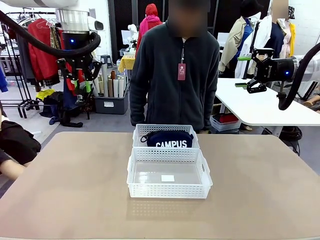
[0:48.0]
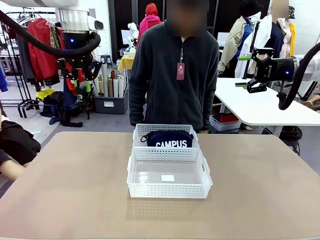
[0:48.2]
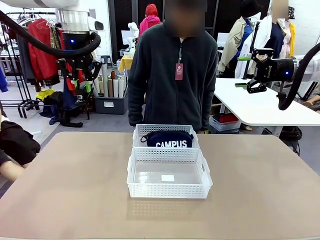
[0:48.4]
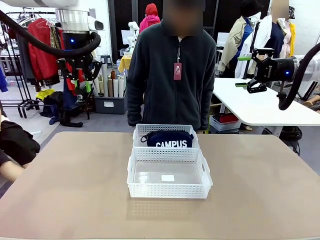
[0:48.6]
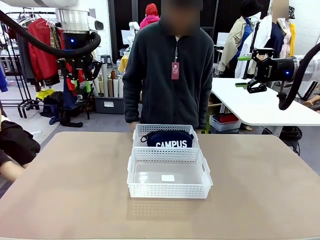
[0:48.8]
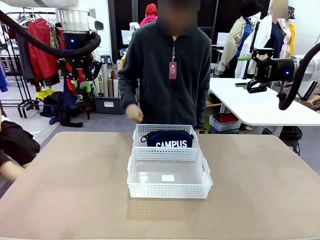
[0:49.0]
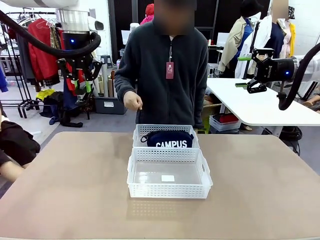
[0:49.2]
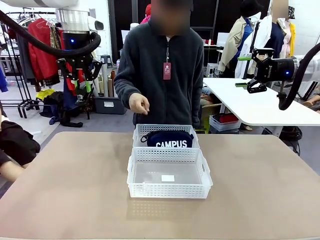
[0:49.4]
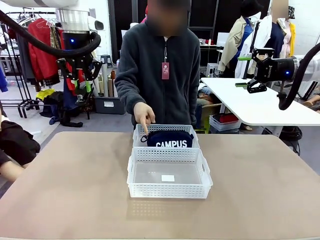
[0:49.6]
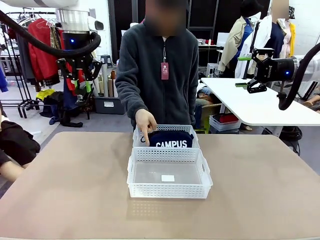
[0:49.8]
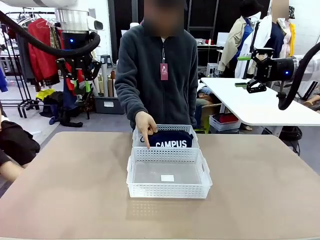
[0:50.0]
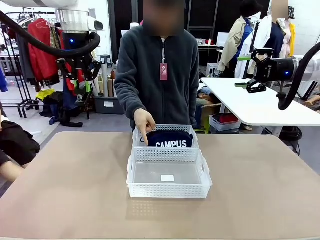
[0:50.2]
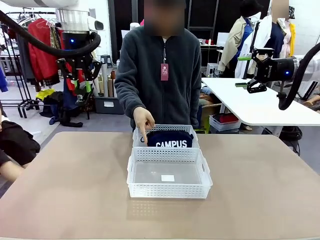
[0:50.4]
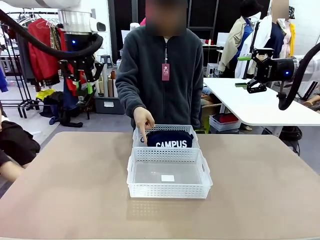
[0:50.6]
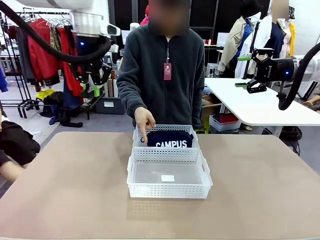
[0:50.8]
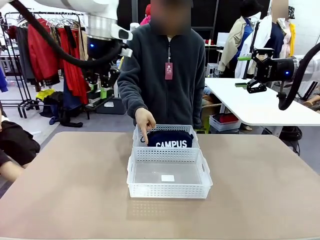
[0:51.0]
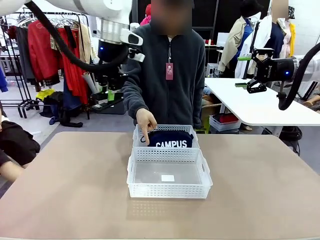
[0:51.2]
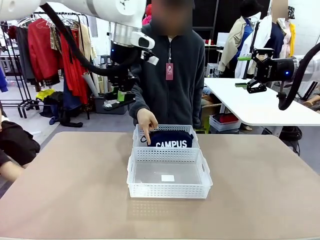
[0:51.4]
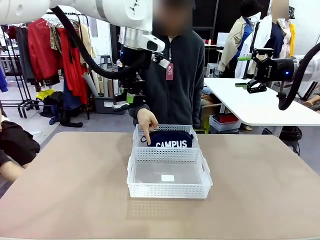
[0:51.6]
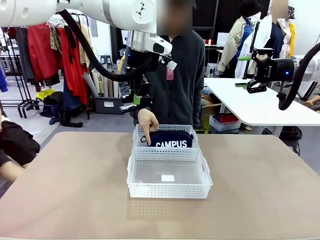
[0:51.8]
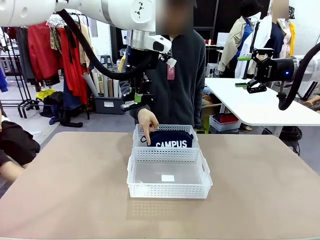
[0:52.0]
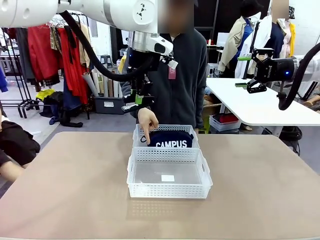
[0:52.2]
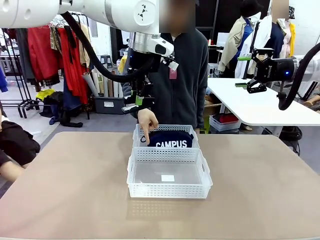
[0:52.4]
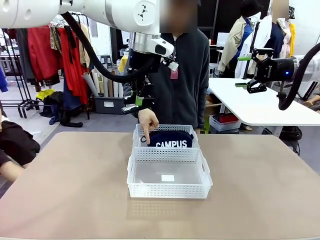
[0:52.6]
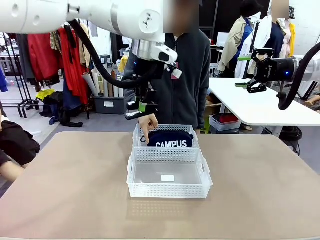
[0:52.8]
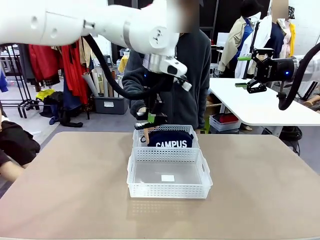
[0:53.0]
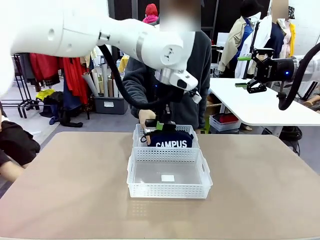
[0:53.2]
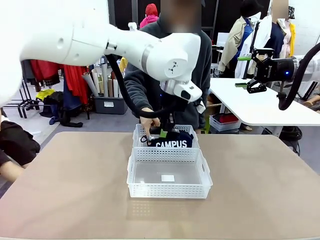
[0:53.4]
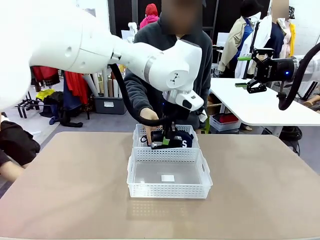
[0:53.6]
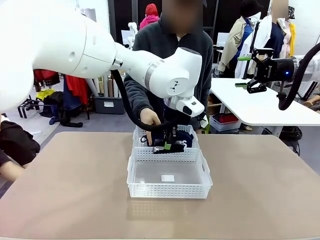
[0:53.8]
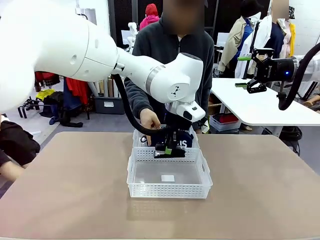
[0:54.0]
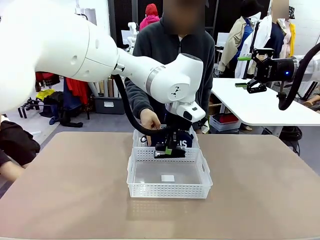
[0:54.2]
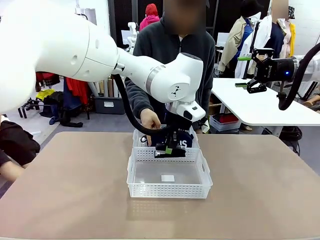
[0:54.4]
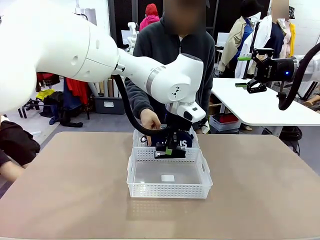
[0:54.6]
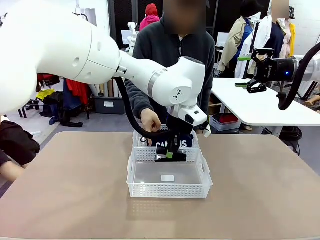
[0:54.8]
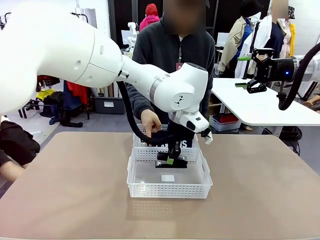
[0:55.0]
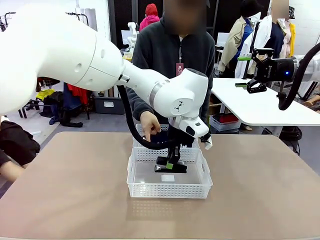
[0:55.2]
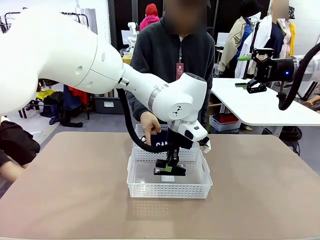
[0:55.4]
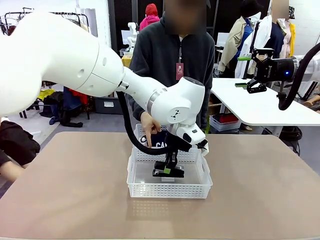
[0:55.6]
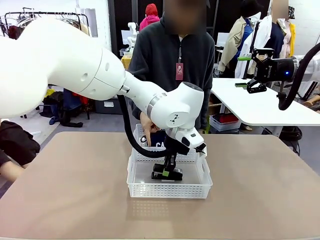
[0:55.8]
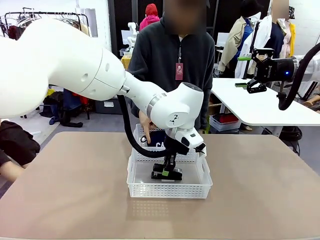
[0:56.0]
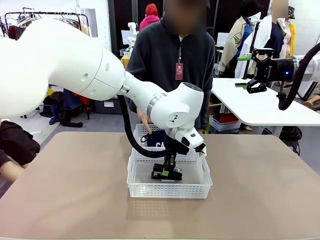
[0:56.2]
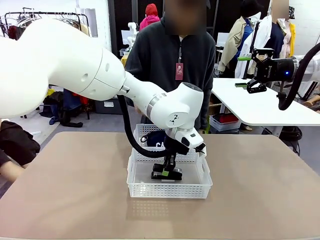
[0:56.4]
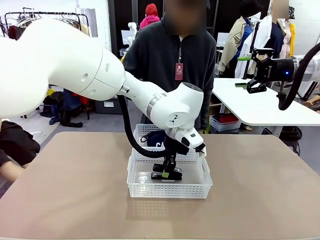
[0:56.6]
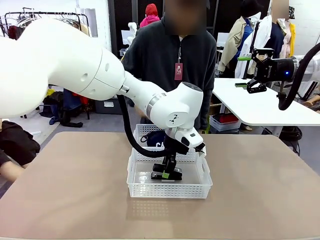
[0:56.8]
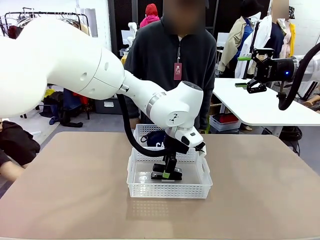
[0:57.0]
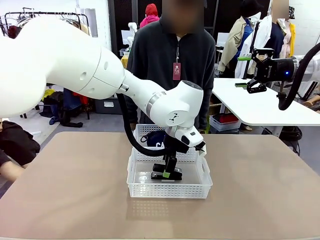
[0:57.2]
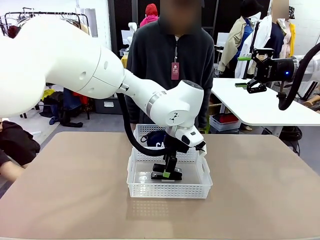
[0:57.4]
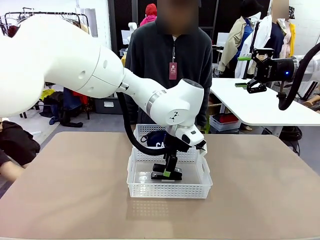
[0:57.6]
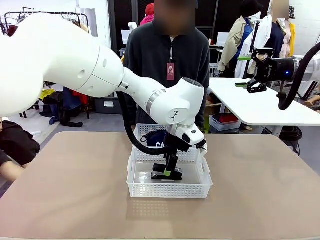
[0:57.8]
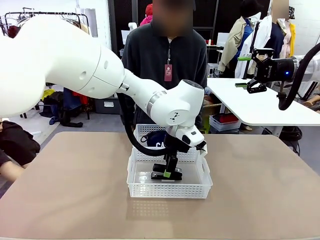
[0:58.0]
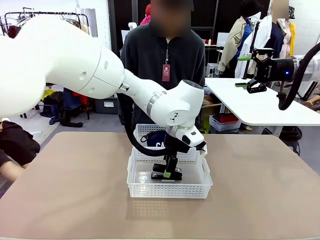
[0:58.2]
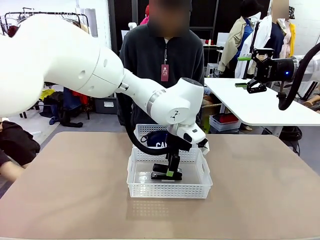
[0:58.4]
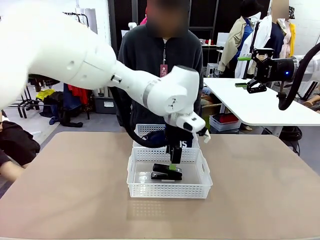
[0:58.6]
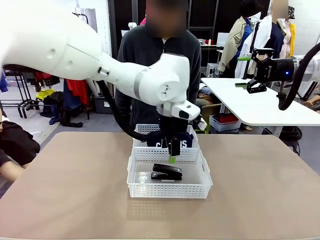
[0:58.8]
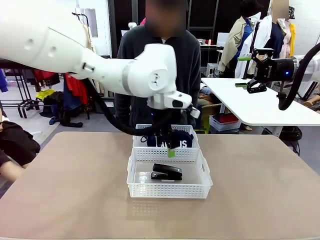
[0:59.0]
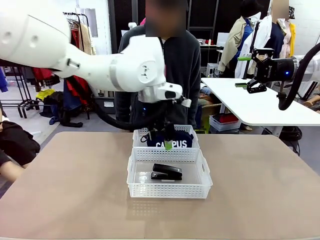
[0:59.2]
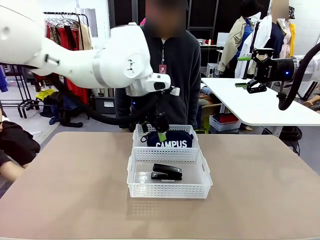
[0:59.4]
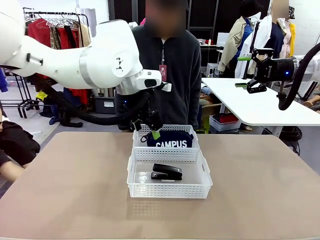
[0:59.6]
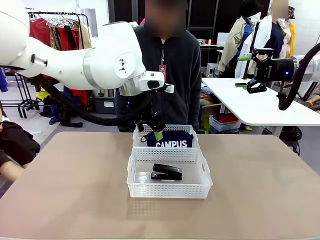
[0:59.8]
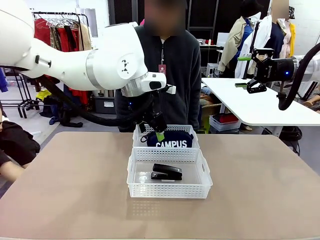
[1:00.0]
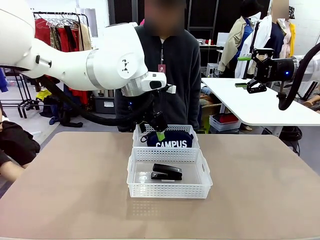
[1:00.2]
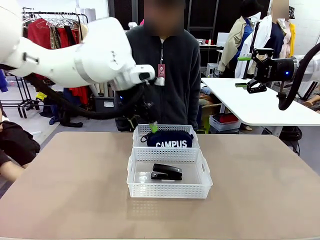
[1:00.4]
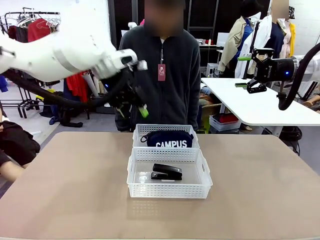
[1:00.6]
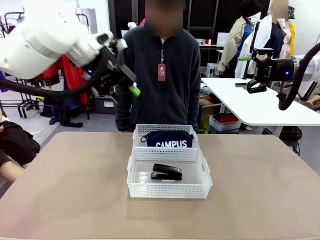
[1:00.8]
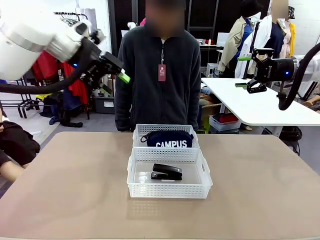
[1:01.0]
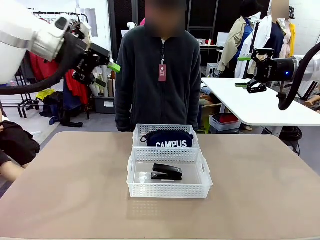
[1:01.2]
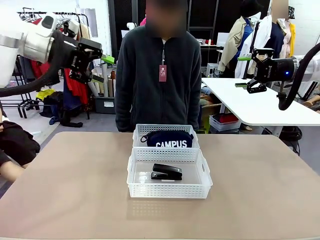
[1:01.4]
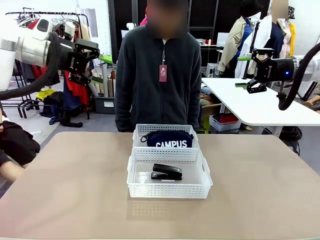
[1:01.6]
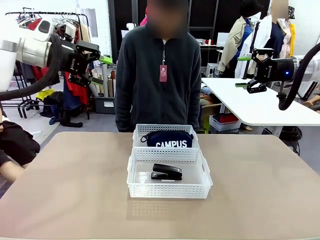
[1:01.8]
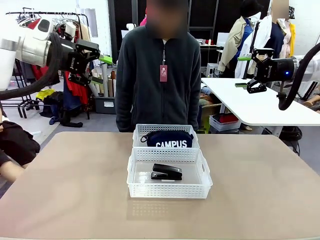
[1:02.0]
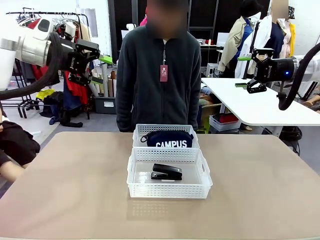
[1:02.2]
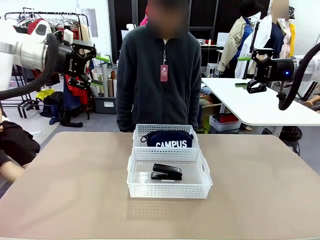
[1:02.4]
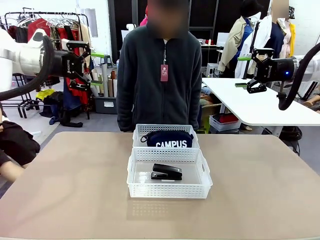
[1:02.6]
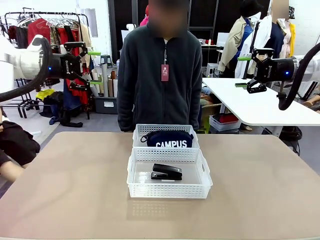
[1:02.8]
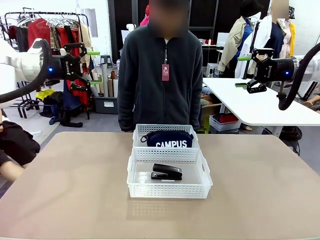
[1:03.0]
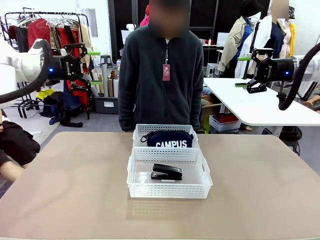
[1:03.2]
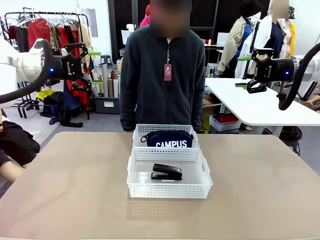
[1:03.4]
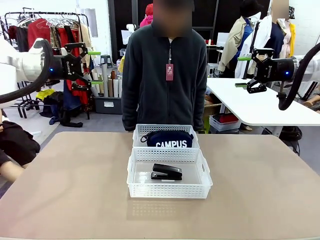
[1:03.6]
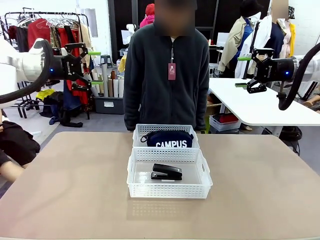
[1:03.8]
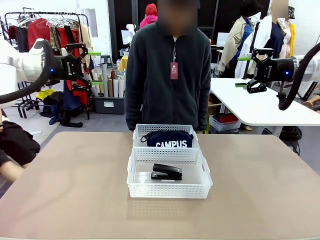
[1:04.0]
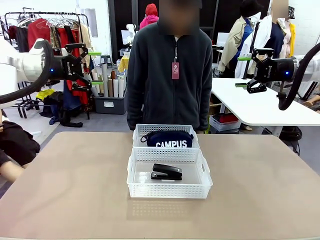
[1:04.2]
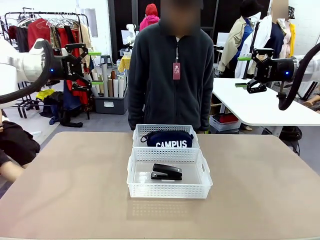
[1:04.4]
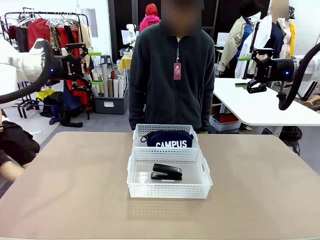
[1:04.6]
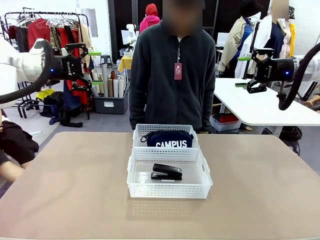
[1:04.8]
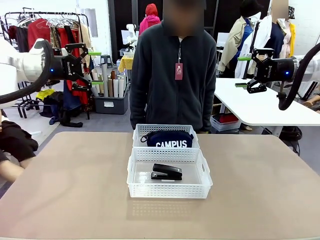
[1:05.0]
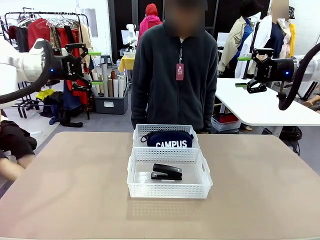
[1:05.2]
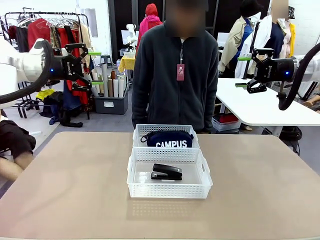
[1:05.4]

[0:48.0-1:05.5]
Task: Distribute items into two baskets.
Robot: Place the picked Stapler into the Organizing basket as instructed by the person.
Person: Points to the basket that does not contain the pencil case and instructs the robot to move the stapler there.
